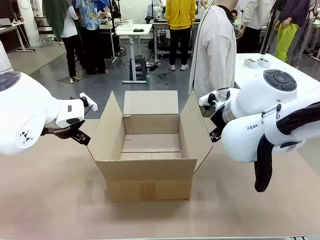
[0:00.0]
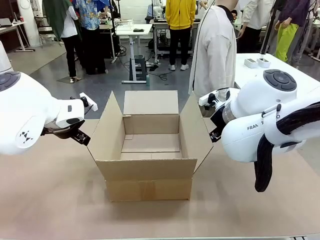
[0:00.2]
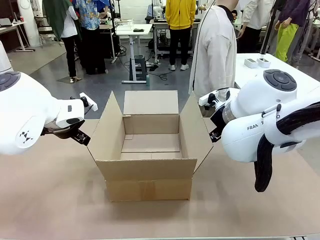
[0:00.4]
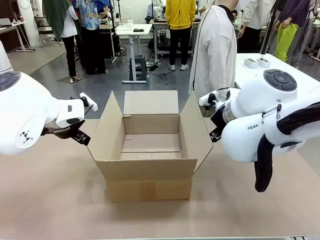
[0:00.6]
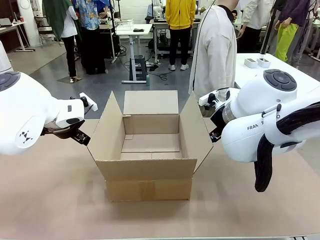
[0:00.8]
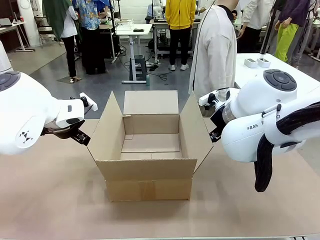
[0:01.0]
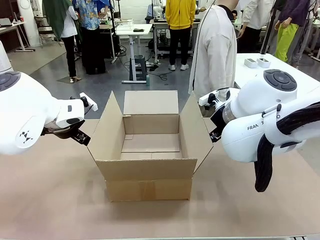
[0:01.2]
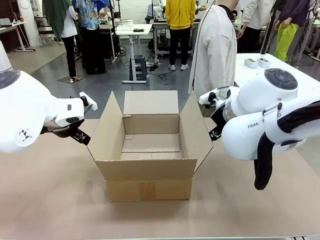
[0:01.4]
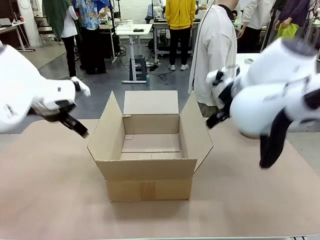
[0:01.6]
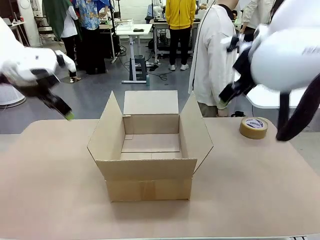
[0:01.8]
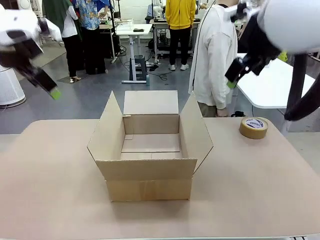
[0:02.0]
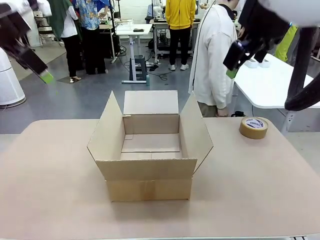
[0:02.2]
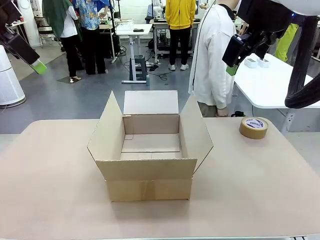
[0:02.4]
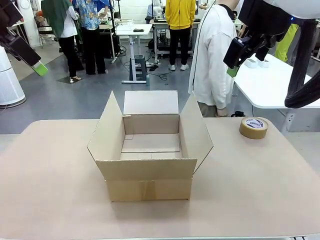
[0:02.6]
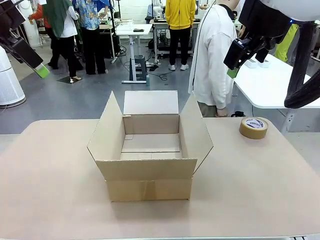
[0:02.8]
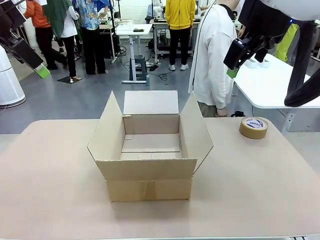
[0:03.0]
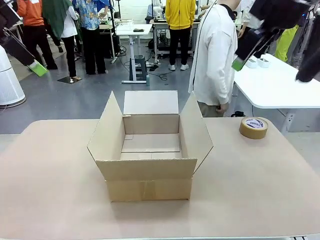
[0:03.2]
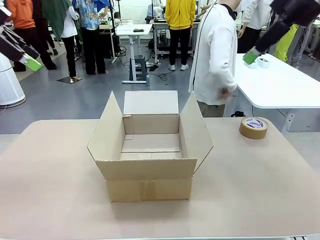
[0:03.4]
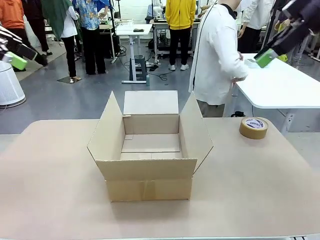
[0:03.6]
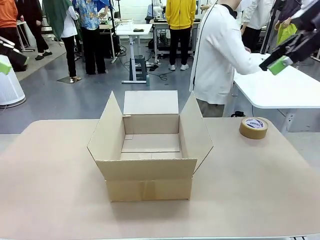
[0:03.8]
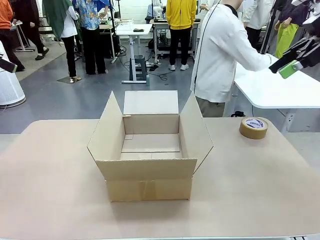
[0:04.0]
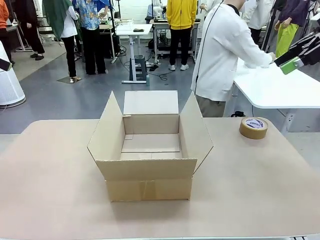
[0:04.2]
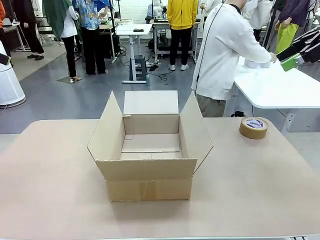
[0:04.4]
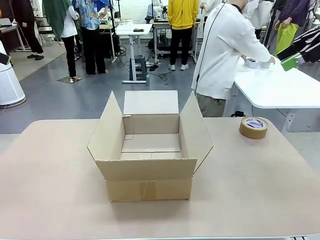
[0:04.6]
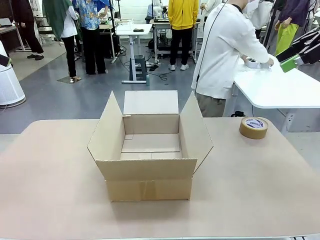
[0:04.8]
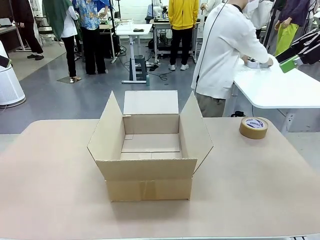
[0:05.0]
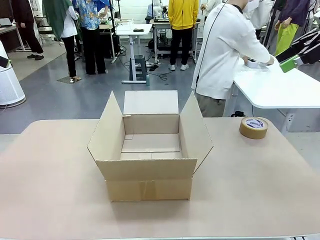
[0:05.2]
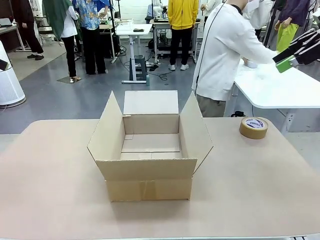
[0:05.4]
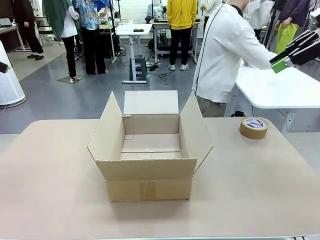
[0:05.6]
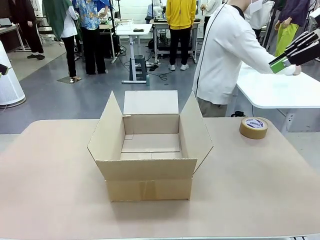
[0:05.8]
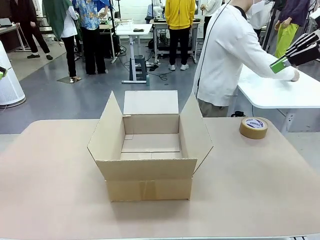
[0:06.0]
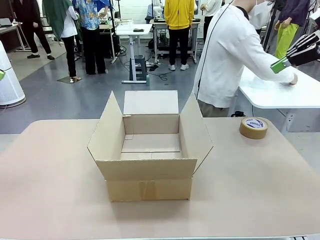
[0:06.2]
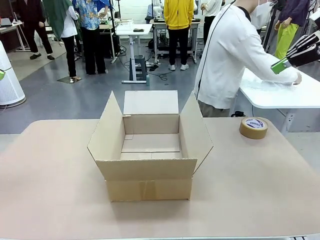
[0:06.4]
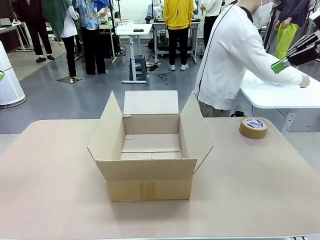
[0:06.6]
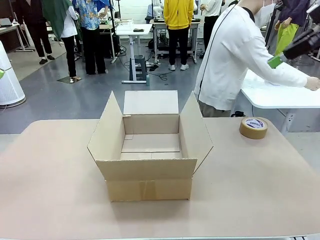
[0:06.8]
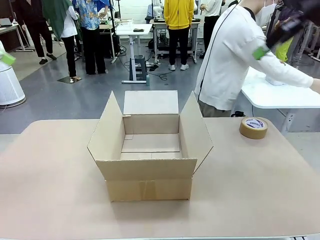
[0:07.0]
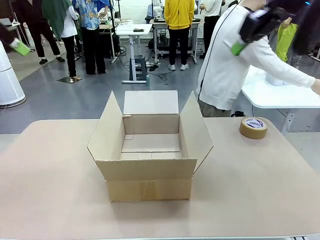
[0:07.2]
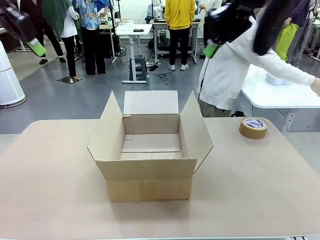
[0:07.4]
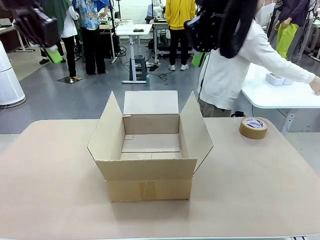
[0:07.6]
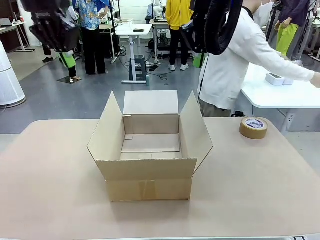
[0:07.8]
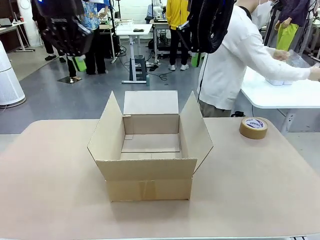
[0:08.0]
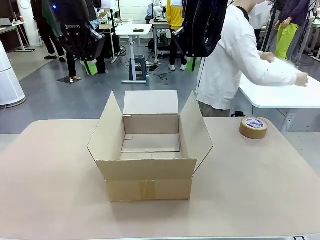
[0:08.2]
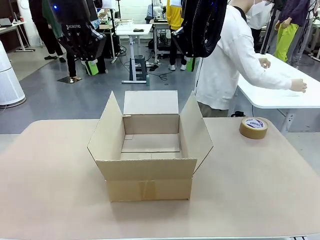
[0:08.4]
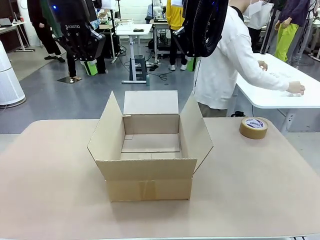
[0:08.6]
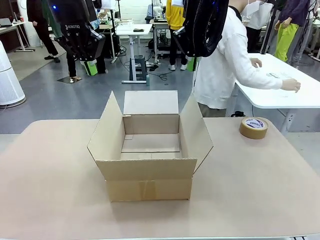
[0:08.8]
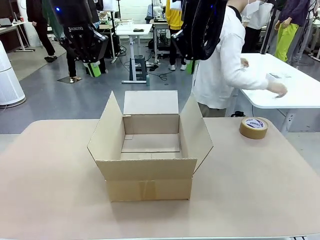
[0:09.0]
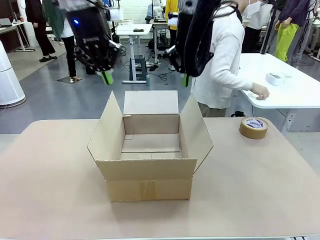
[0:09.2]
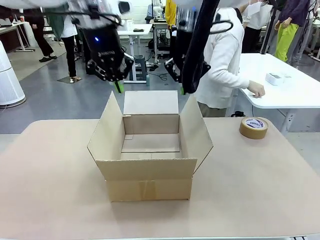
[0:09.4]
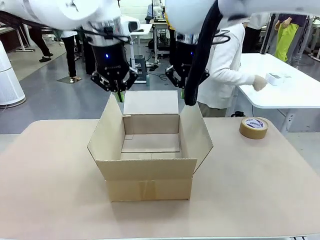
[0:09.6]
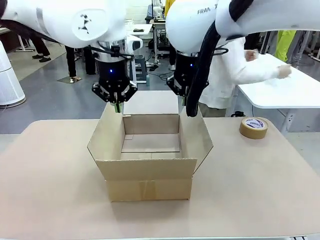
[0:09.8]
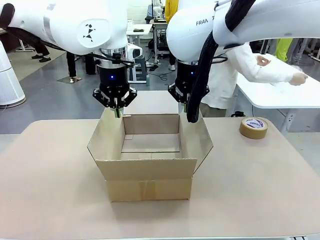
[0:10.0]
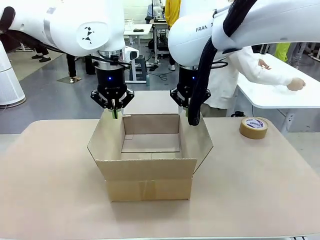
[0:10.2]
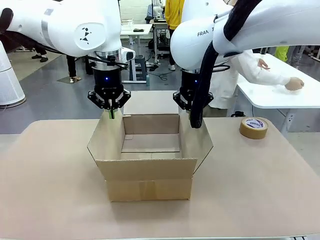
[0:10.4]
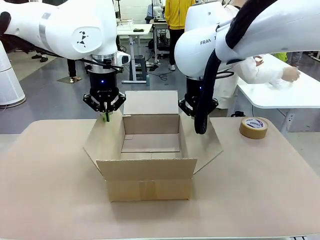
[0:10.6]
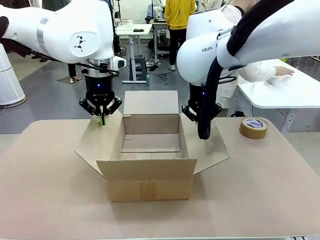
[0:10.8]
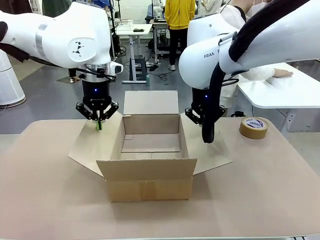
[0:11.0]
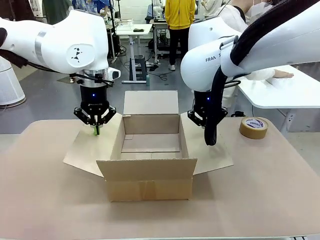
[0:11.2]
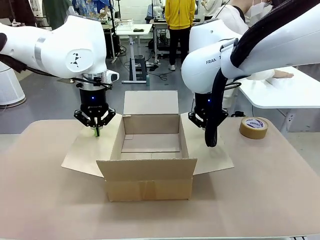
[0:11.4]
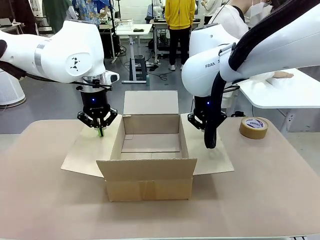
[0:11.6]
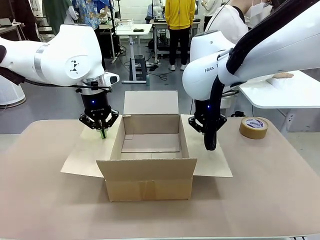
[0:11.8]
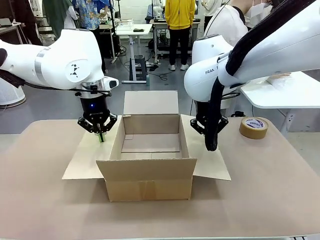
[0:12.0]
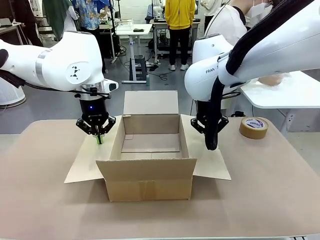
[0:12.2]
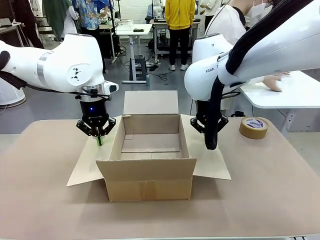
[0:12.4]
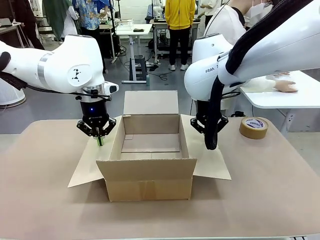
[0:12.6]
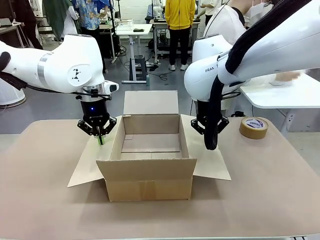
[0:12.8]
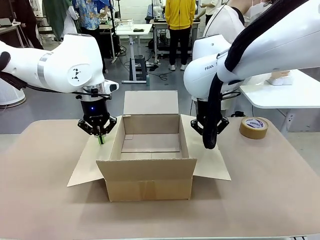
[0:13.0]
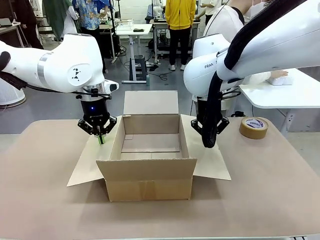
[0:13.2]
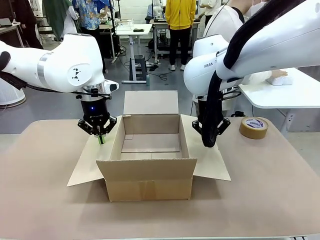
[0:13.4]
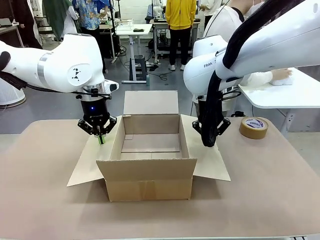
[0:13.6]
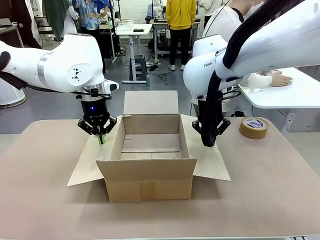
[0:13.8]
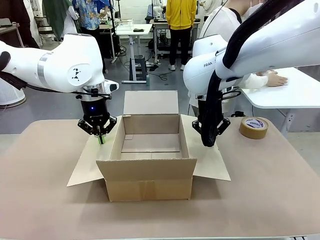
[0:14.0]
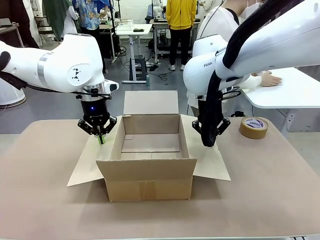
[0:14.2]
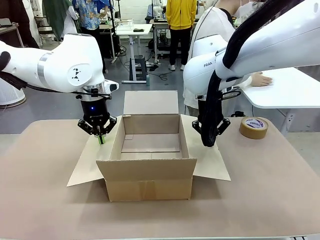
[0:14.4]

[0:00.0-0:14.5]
Task: Wrap the clocks to prevent damage.
Robot: Open the side flaps of the Package Box.
Person: Wrap the two Digital clocks with Bubble Wrap.
